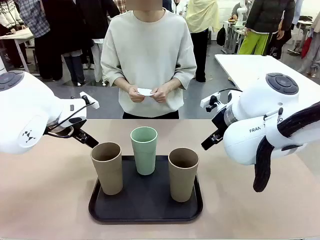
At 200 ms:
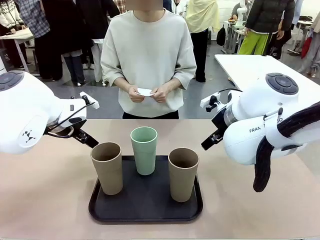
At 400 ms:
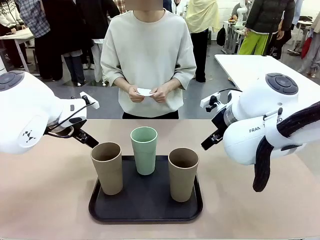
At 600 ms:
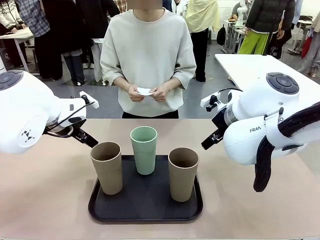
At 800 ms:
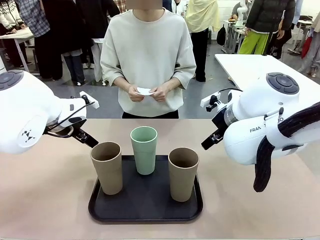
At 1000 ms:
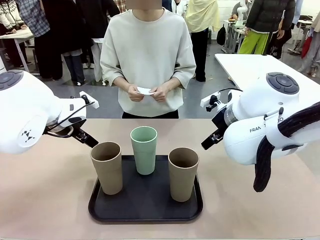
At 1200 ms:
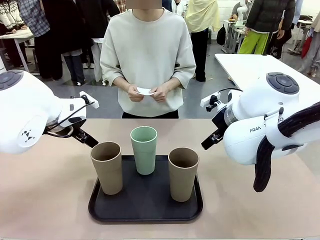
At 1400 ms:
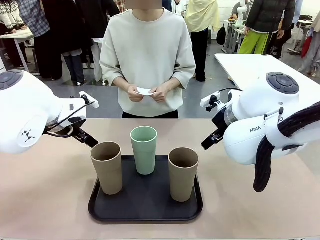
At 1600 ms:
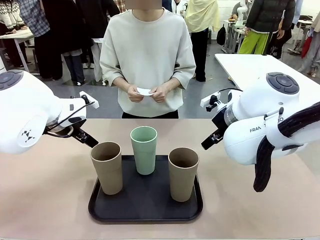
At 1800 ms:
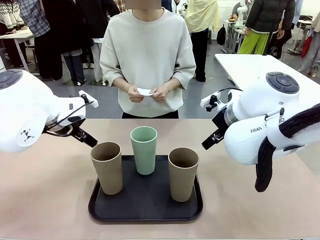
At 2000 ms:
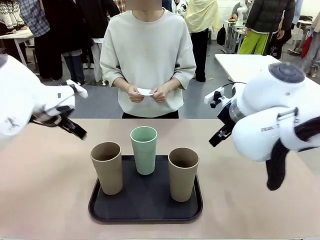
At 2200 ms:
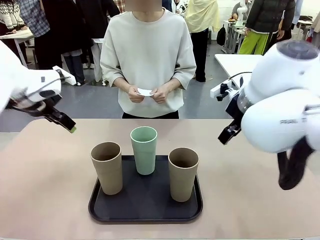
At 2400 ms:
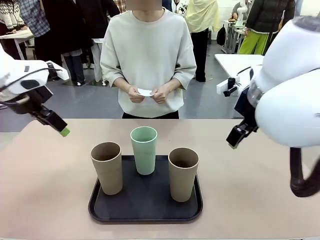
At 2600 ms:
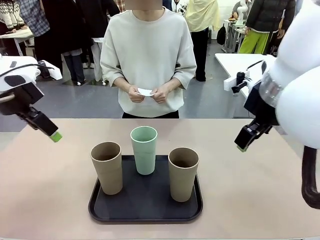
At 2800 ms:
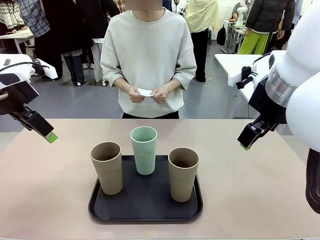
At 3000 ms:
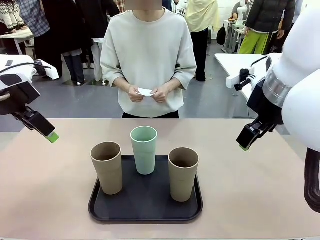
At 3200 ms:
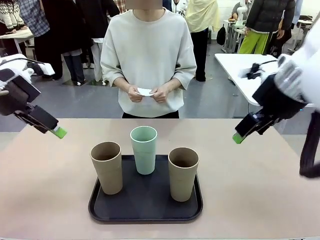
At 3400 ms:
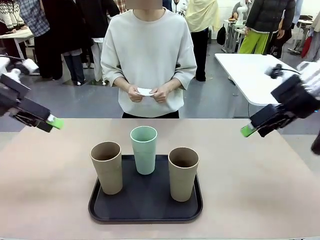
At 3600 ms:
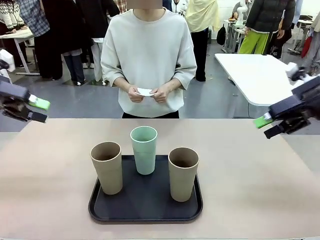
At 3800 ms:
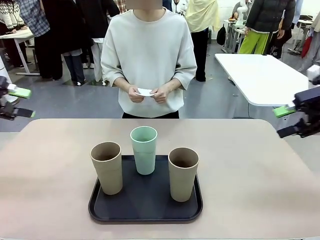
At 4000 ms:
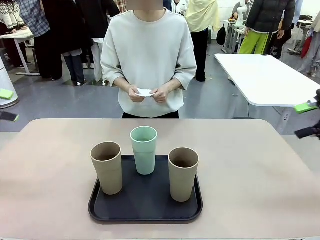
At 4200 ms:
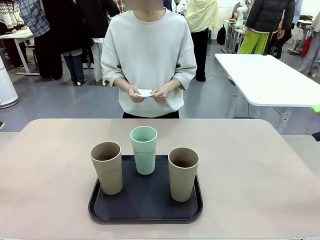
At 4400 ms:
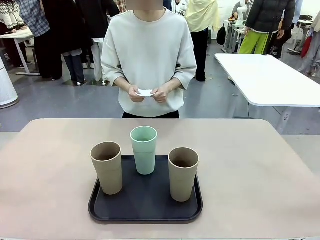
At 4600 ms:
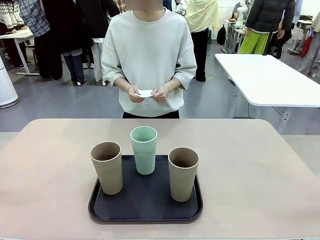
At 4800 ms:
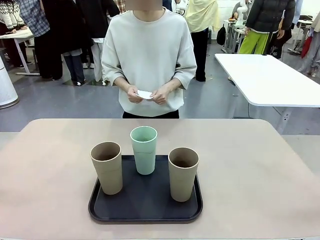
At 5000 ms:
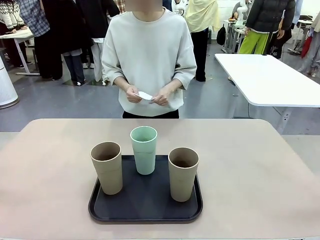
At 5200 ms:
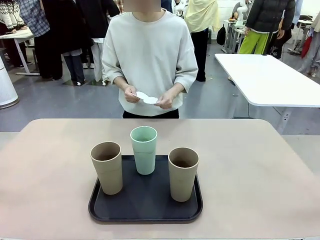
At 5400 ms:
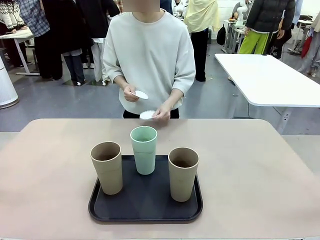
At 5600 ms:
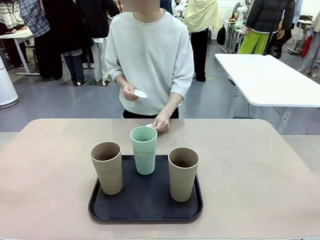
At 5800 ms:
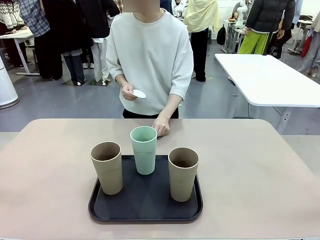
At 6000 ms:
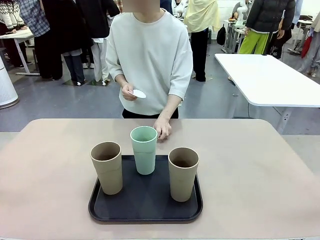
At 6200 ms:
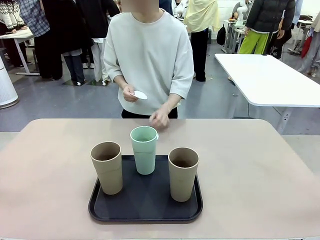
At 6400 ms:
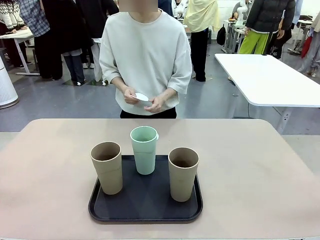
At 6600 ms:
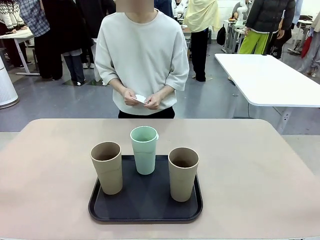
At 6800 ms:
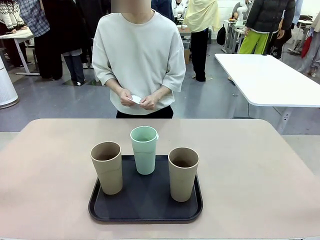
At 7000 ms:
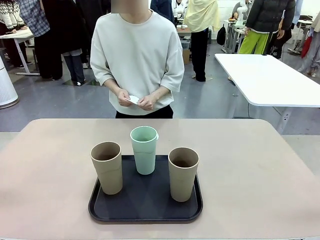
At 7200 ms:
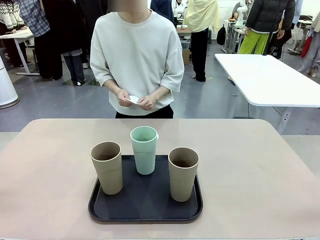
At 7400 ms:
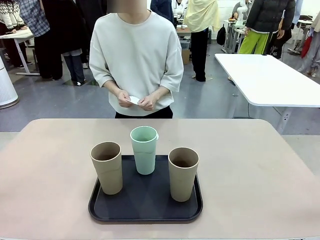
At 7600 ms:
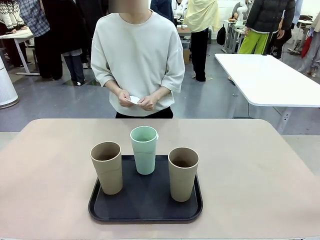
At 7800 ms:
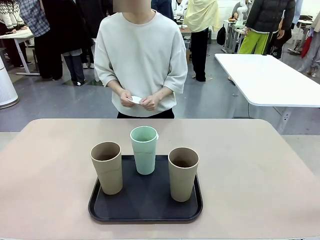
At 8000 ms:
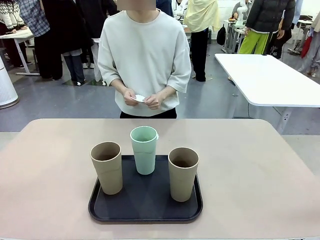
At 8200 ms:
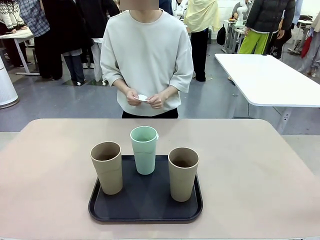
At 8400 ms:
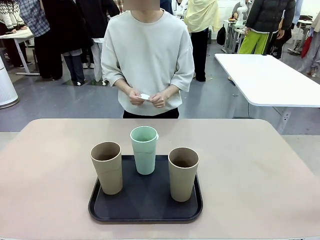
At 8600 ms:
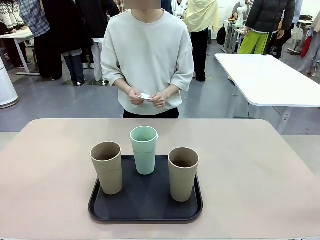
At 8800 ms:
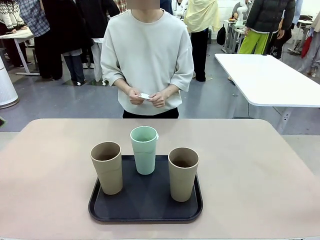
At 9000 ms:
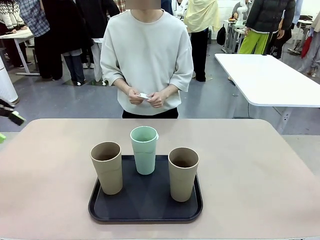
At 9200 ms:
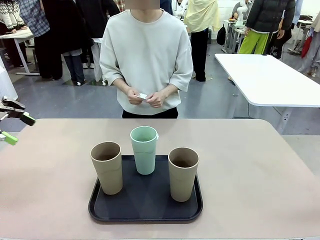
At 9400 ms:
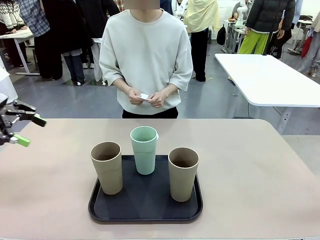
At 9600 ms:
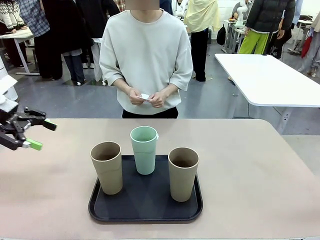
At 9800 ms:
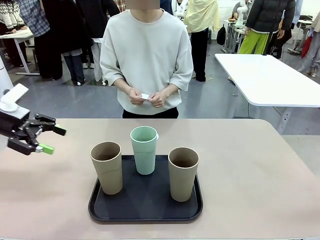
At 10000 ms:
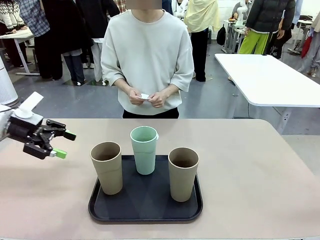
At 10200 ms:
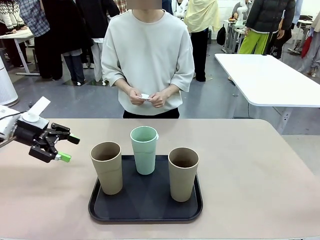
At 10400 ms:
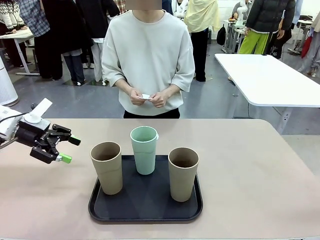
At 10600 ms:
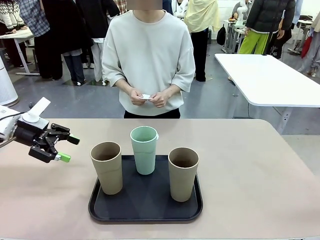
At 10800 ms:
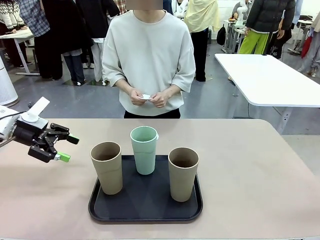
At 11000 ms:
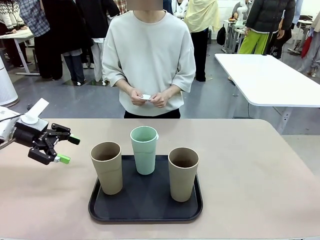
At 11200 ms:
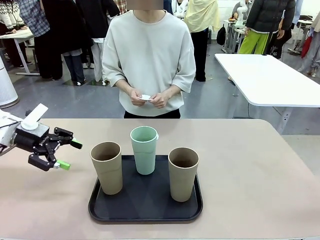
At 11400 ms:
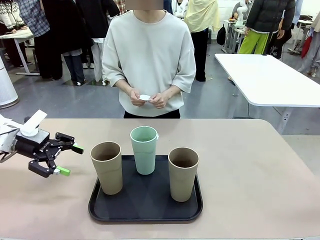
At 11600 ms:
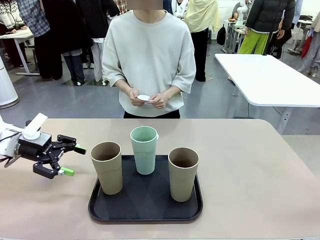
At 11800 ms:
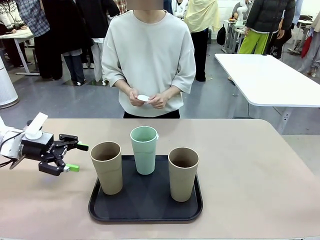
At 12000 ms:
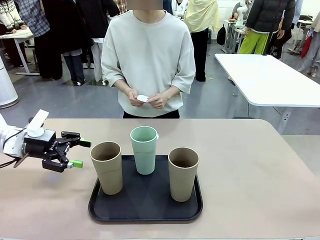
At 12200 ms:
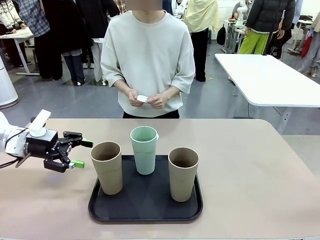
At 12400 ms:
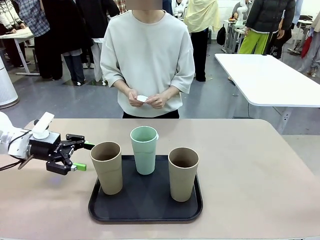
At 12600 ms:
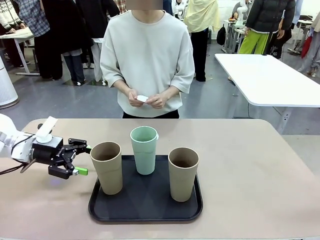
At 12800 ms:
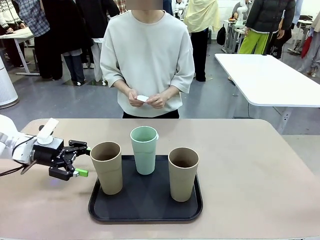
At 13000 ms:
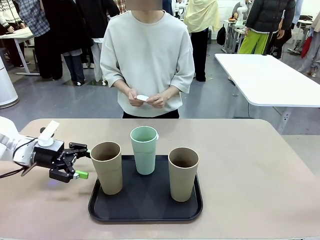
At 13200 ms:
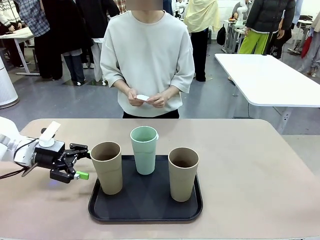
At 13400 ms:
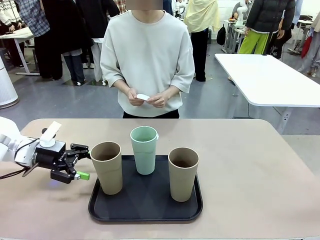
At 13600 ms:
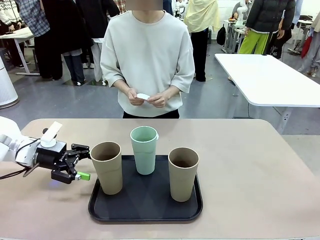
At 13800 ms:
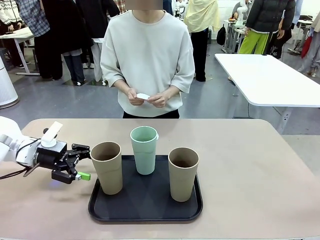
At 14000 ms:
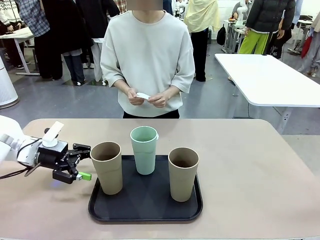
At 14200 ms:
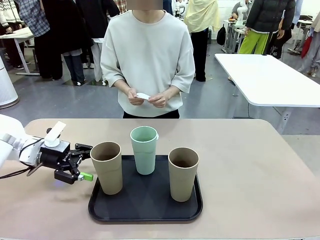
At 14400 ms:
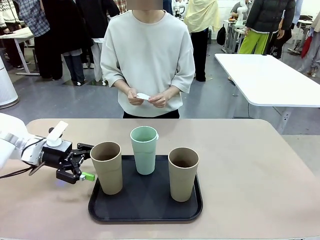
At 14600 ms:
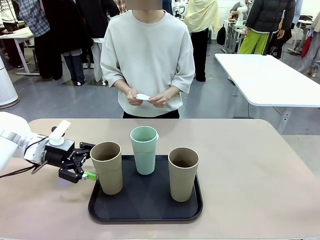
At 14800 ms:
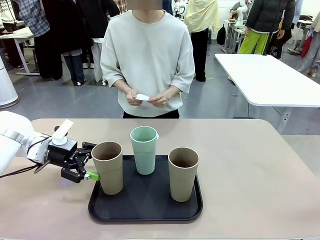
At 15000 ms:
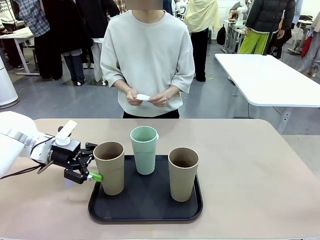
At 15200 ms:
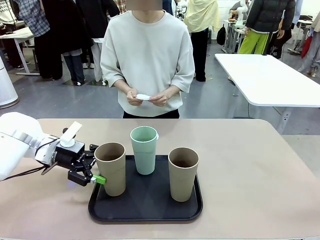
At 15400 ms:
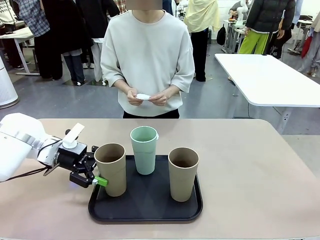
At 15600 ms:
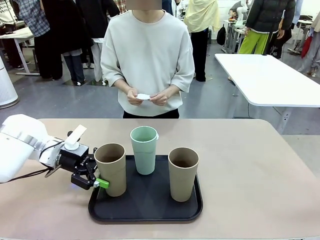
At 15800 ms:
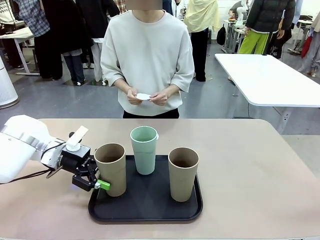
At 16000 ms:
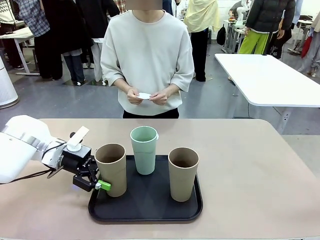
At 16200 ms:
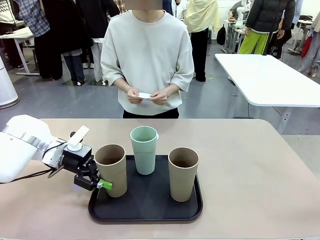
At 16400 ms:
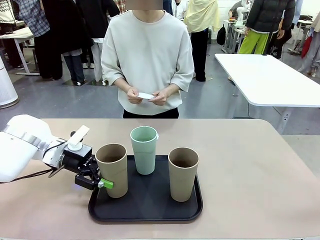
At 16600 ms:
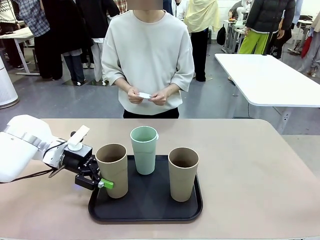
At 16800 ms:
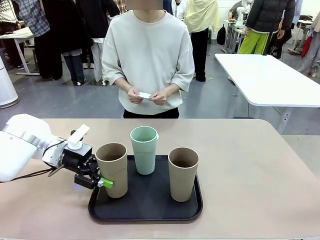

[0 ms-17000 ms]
Task: Place coasters on the table and set cups on them.
Robot: Pick up one Reusable plastic cup and place it on a coaster set by the human.
Person: Place one coaster in any one of the three lower areas of the robot table (left, center, or right).
